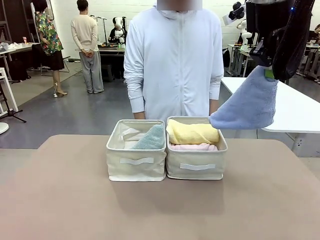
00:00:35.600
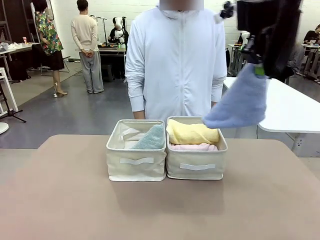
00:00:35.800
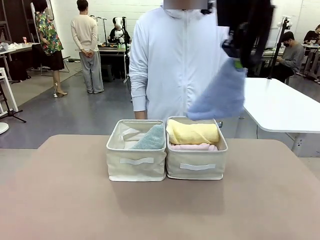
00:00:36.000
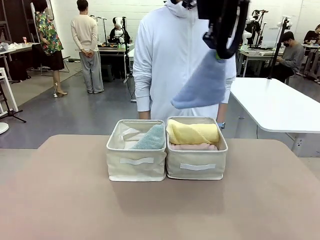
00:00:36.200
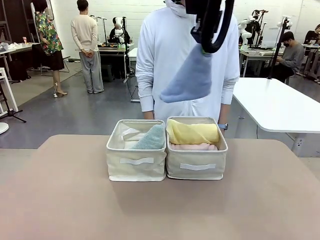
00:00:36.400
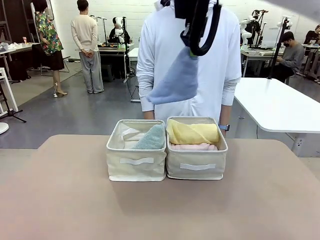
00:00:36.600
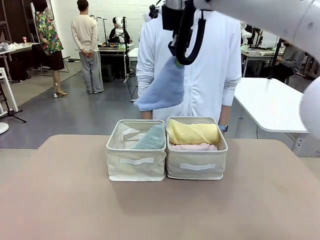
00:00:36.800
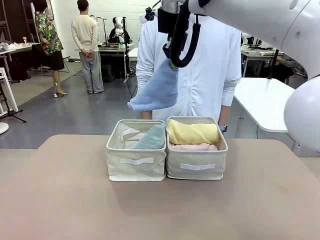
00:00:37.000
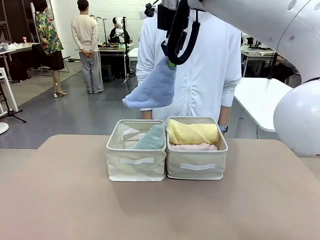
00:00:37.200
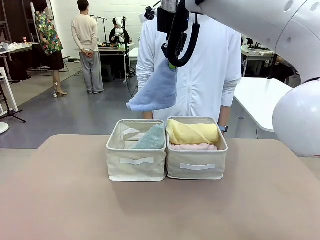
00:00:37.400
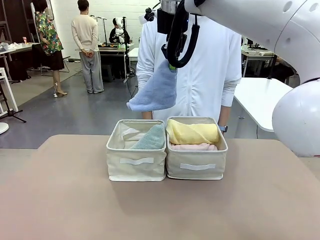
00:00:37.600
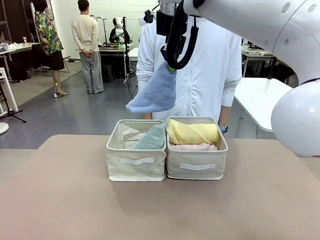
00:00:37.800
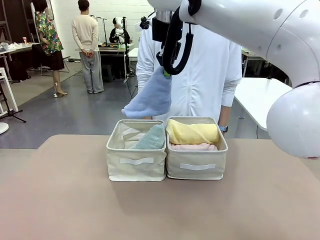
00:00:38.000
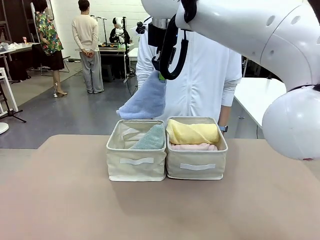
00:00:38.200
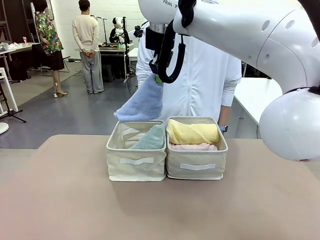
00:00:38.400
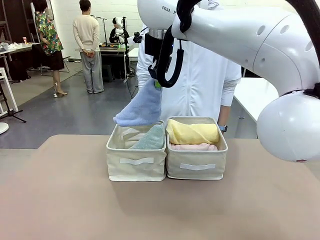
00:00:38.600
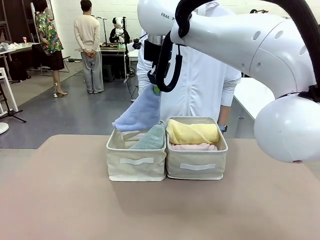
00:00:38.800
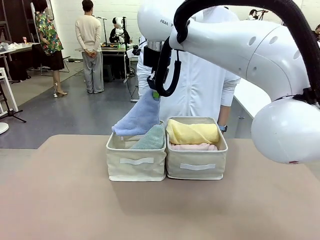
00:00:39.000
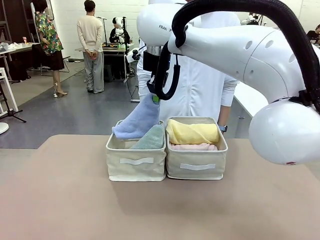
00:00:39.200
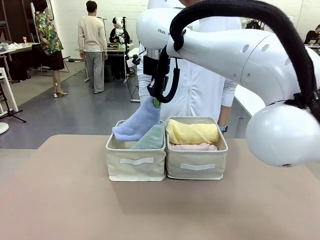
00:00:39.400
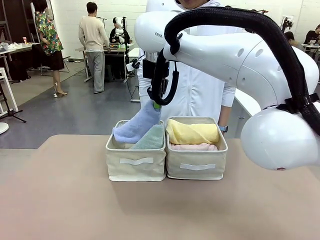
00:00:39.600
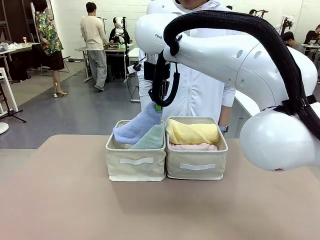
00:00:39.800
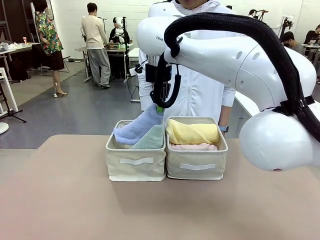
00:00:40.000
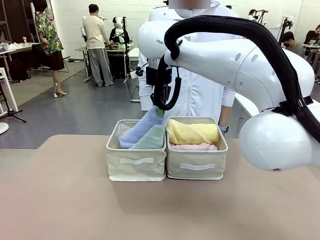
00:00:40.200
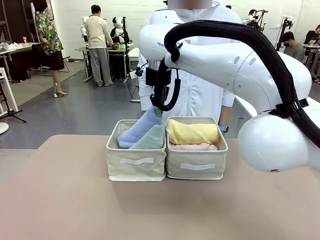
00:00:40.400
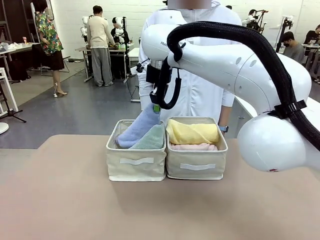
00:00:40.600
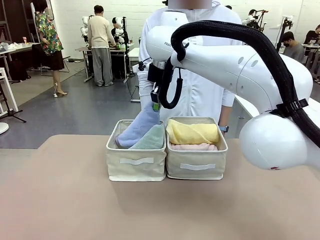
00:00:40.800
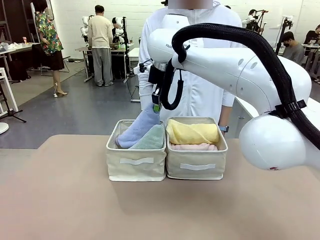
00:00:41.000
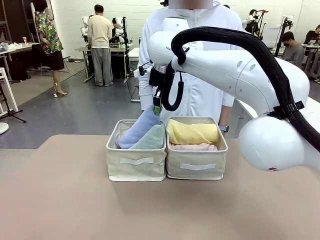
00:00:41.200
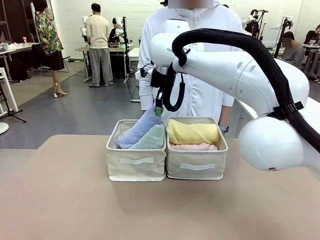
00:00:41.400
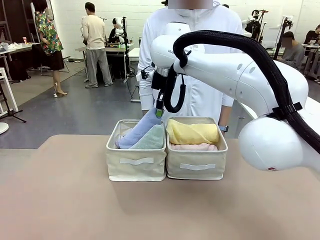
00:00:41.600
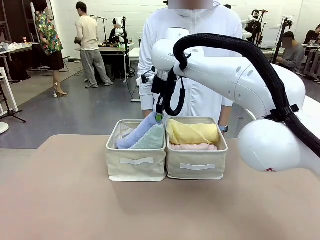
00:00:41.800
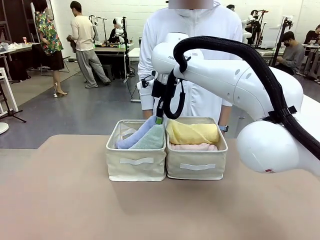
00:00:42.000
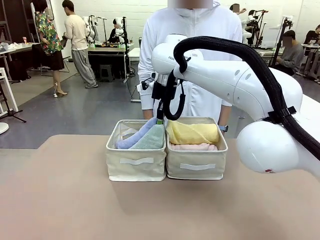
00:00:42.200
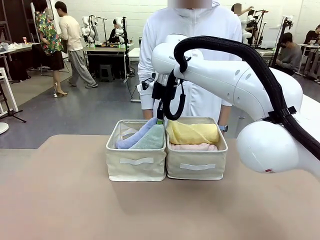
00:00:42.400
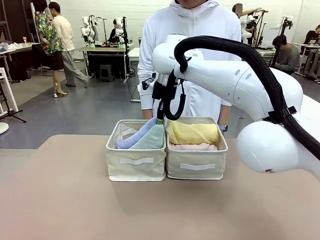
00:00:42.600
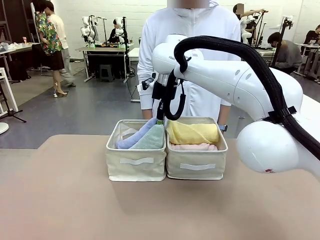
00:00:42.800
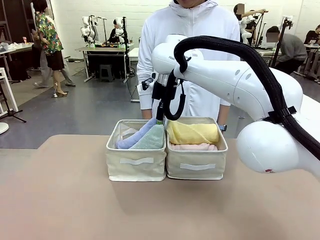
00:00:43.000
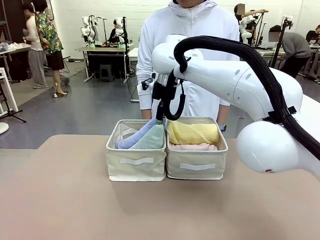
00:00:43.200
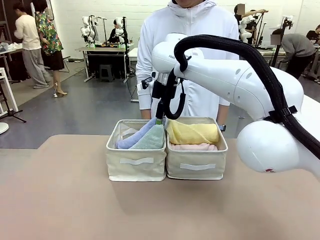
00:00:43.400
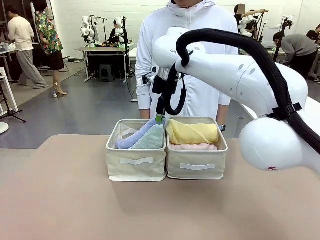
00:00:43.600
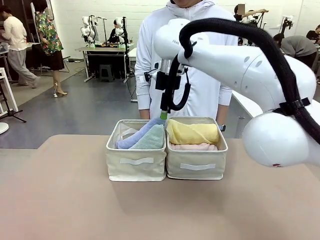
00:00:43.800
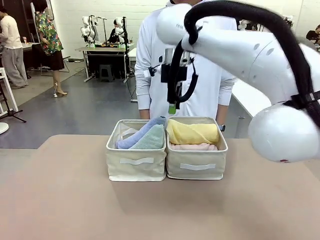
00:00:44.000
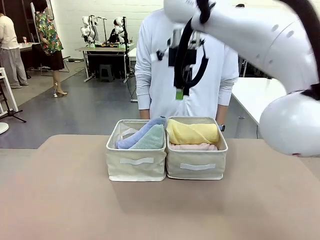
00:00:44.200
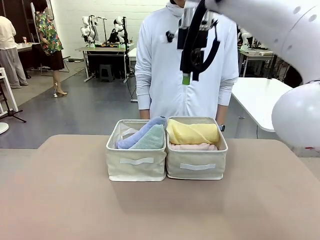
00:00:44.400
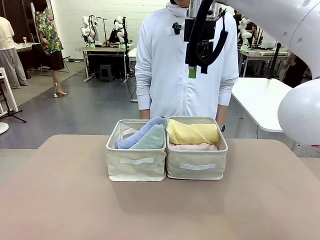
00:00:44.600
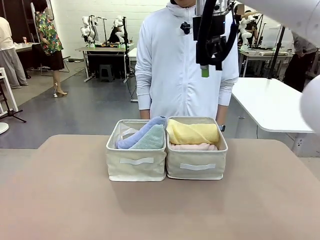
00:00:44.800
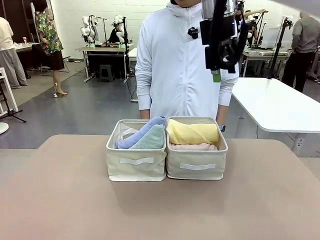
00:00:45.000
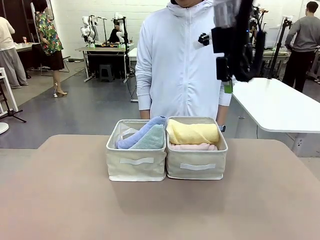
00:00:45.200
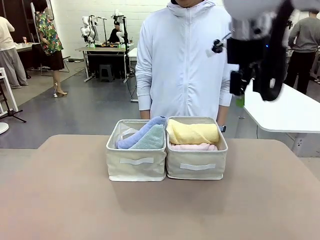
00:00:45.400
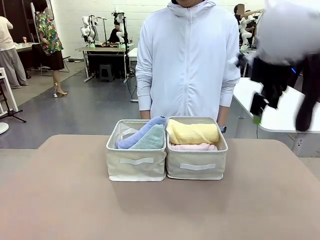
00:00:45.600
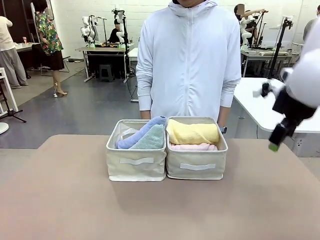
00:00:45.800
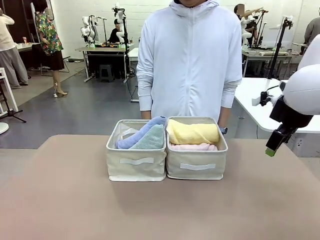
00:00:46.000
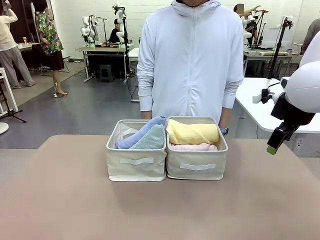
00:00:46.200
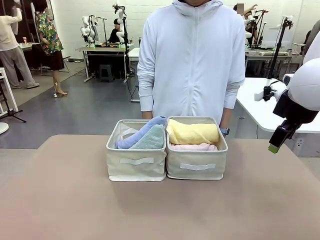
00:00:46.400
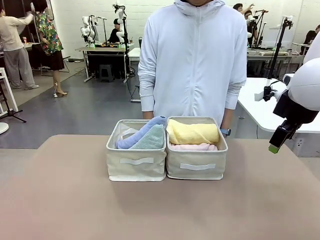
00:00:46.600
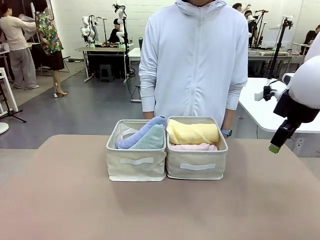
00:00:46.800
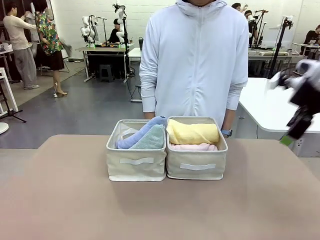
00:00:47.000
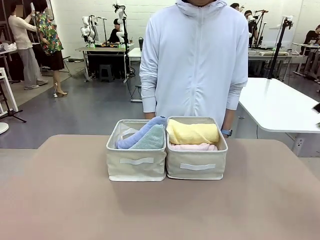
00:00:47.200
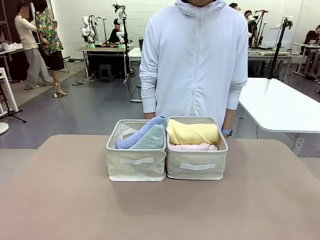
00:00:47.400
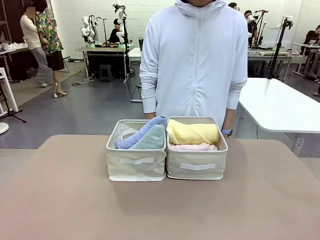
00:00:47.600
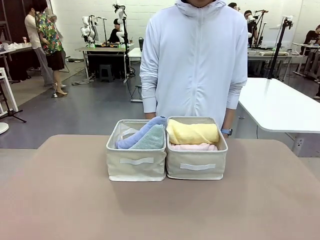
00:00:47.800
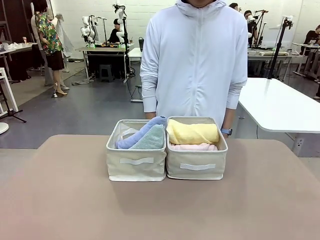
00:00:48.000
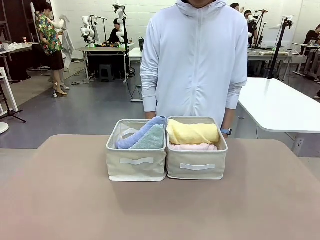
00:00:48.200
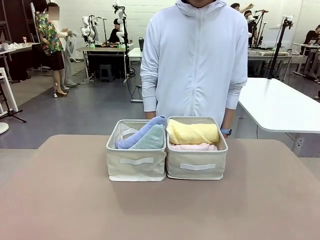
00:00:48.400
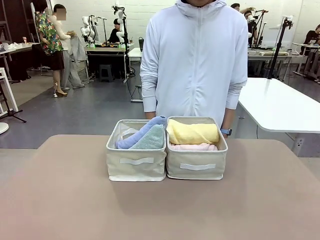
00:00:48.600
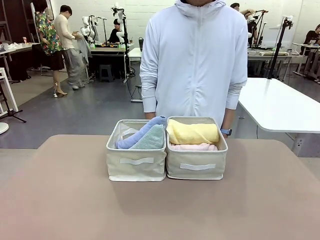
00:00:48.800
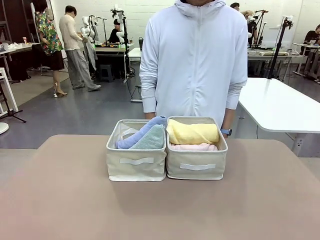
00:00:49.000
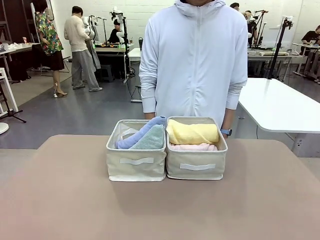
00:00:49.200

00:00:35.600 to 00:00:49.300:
Task: Sort the towels based on their folding style.
Robot: Pick up another triangle-folded towel from the table and place it in the left Fabric basket.
